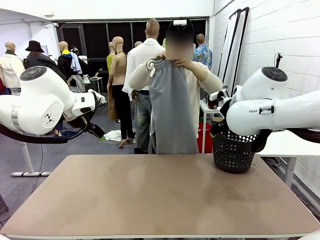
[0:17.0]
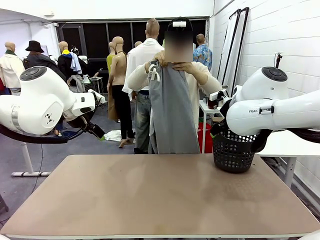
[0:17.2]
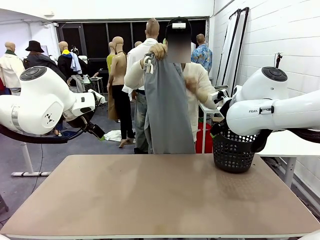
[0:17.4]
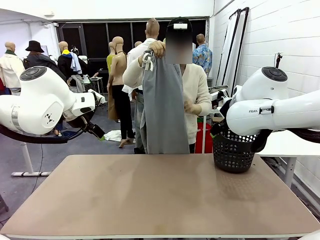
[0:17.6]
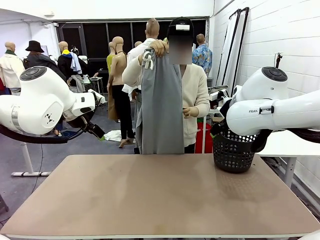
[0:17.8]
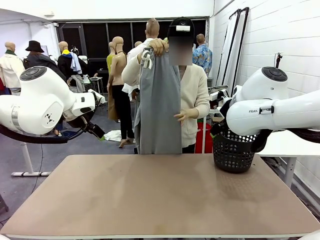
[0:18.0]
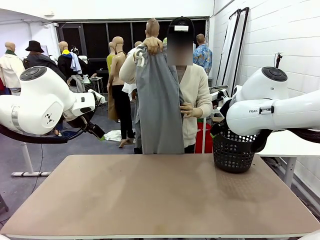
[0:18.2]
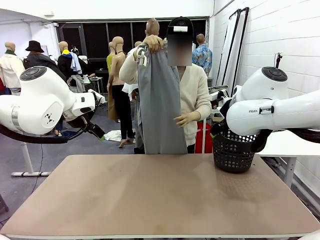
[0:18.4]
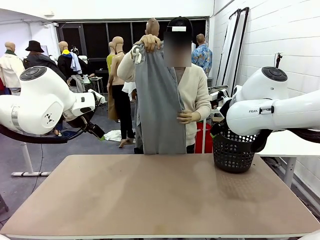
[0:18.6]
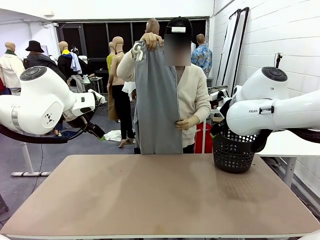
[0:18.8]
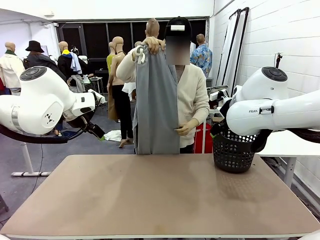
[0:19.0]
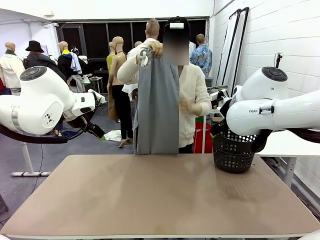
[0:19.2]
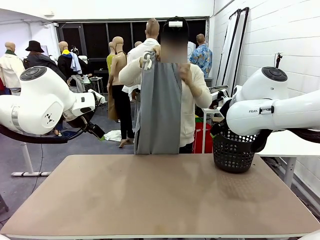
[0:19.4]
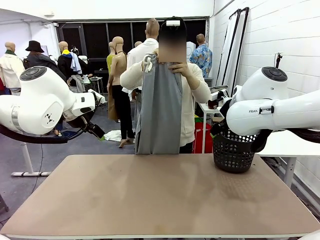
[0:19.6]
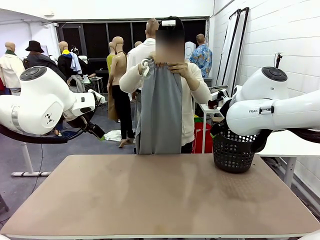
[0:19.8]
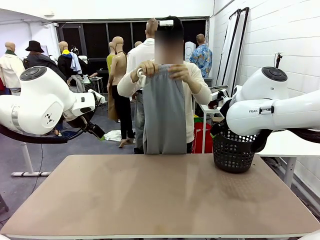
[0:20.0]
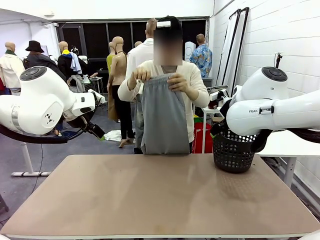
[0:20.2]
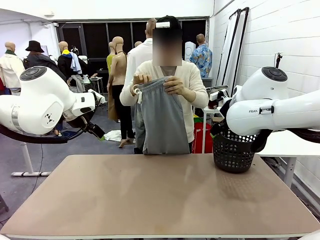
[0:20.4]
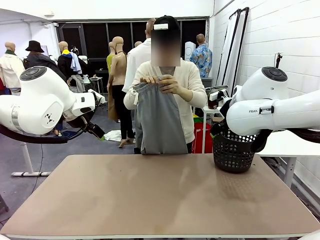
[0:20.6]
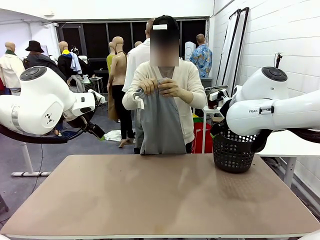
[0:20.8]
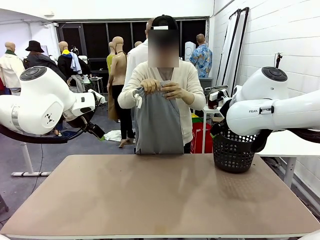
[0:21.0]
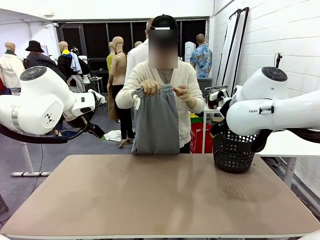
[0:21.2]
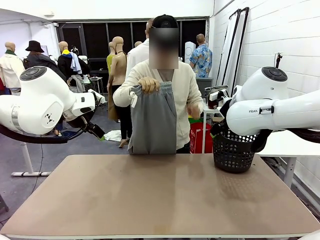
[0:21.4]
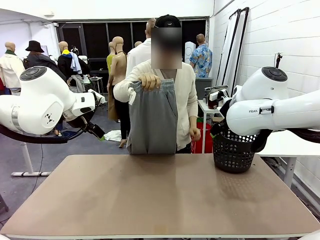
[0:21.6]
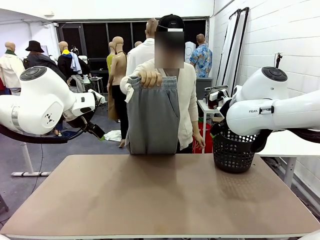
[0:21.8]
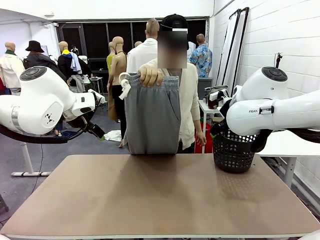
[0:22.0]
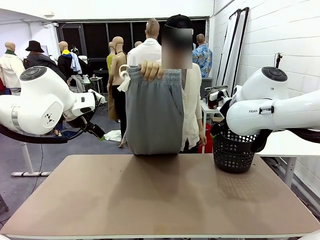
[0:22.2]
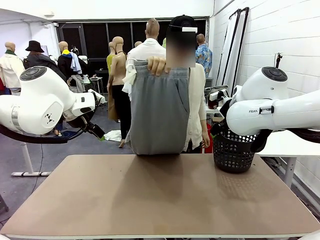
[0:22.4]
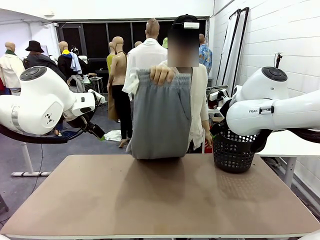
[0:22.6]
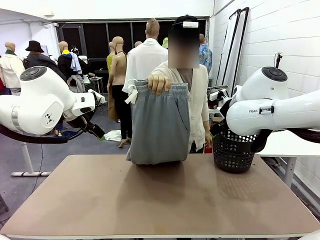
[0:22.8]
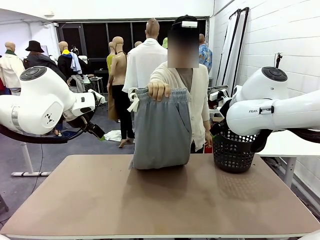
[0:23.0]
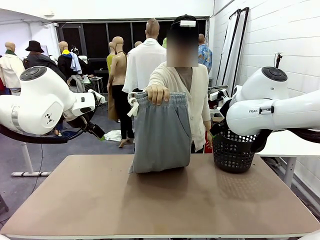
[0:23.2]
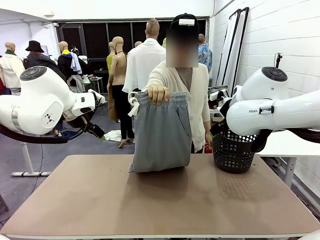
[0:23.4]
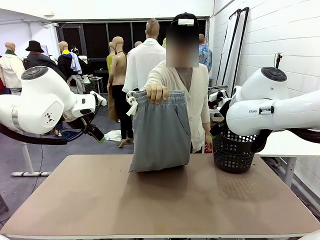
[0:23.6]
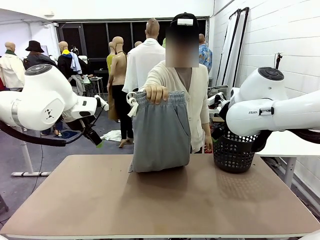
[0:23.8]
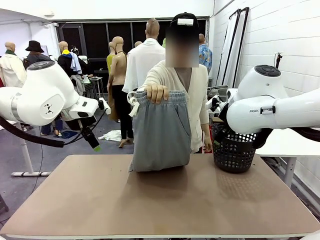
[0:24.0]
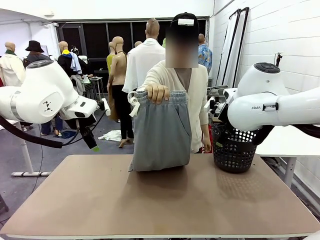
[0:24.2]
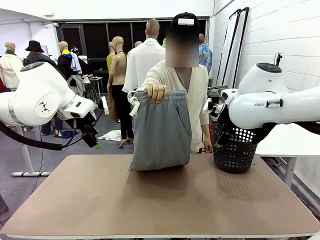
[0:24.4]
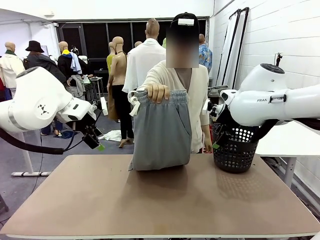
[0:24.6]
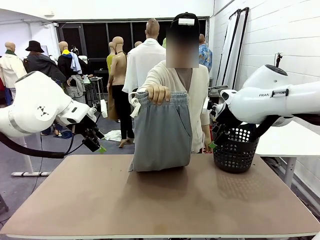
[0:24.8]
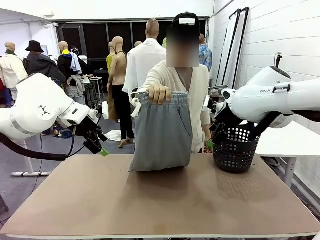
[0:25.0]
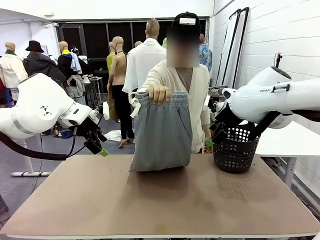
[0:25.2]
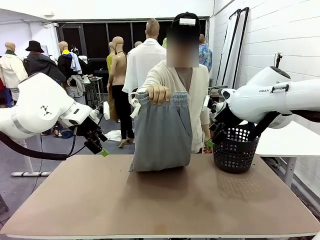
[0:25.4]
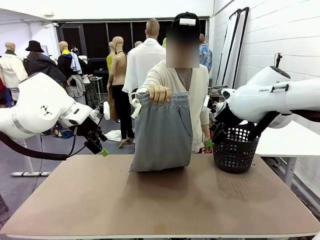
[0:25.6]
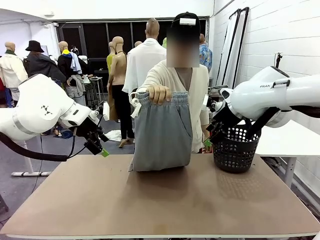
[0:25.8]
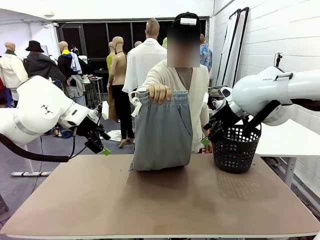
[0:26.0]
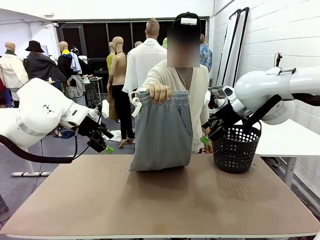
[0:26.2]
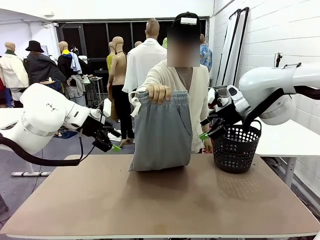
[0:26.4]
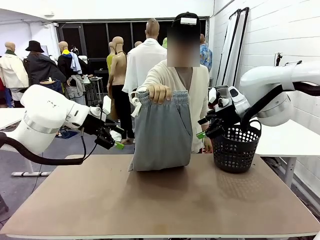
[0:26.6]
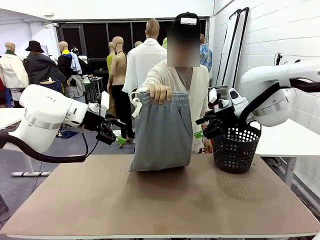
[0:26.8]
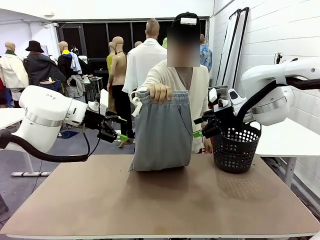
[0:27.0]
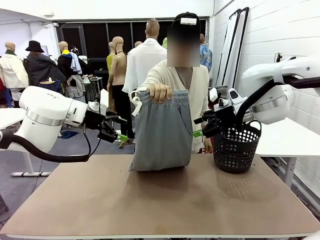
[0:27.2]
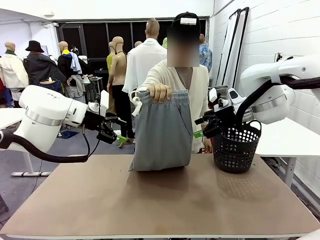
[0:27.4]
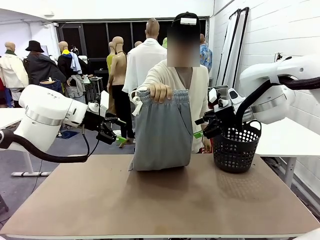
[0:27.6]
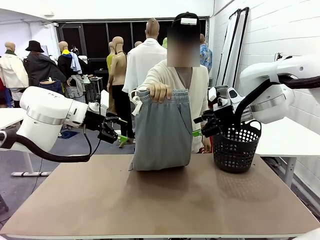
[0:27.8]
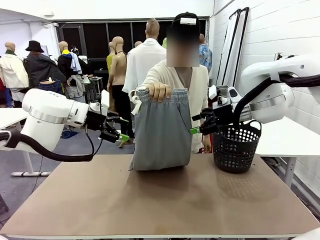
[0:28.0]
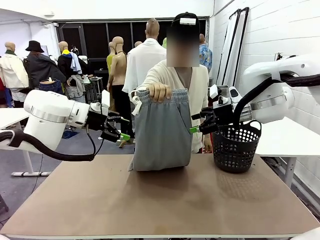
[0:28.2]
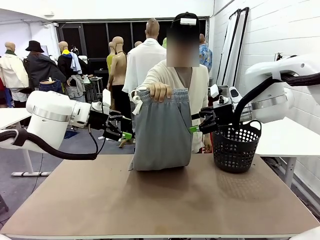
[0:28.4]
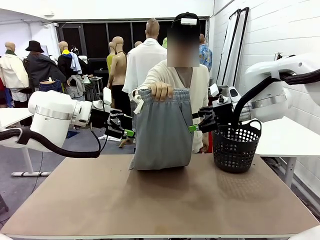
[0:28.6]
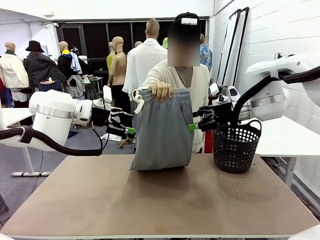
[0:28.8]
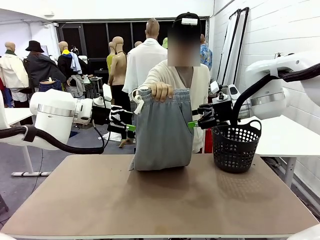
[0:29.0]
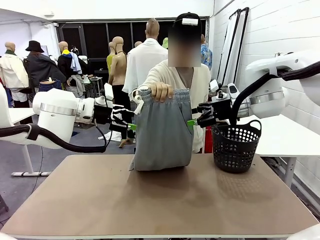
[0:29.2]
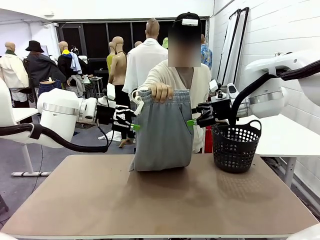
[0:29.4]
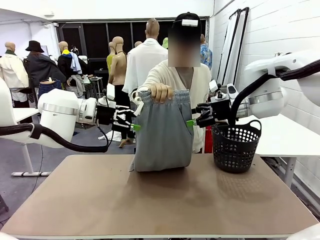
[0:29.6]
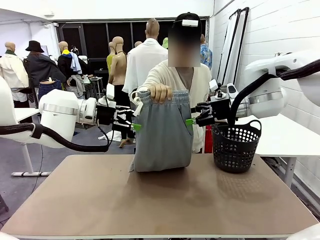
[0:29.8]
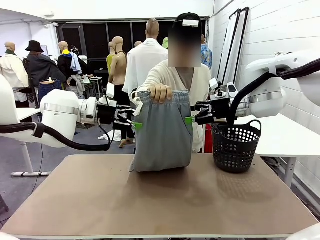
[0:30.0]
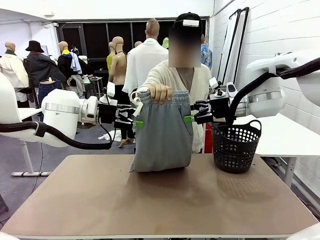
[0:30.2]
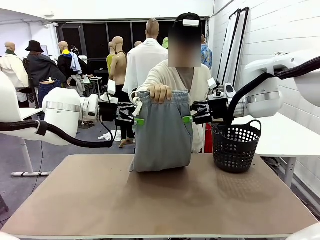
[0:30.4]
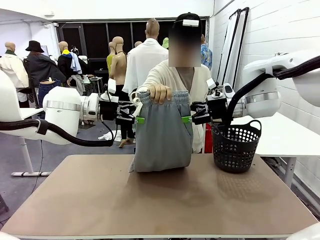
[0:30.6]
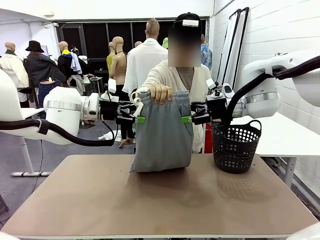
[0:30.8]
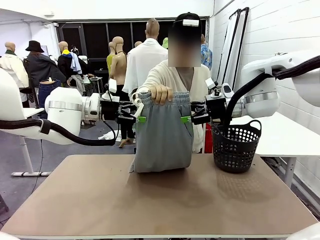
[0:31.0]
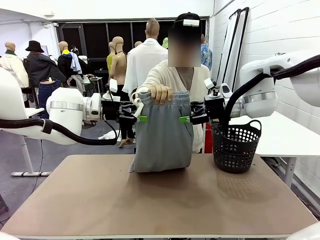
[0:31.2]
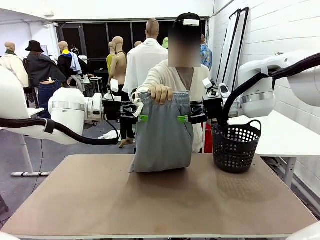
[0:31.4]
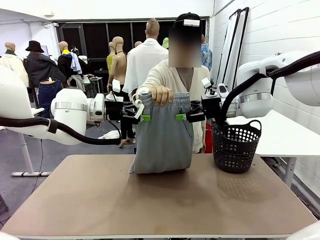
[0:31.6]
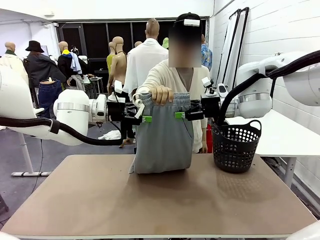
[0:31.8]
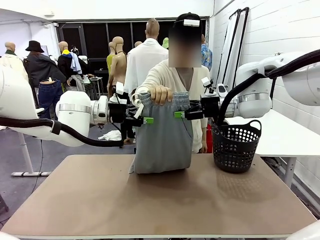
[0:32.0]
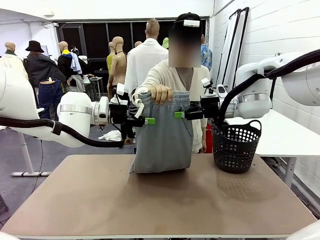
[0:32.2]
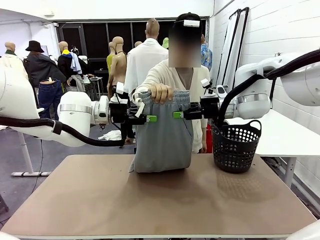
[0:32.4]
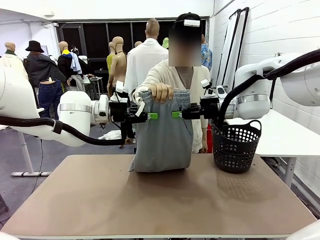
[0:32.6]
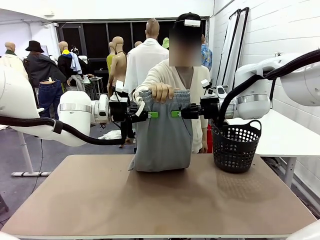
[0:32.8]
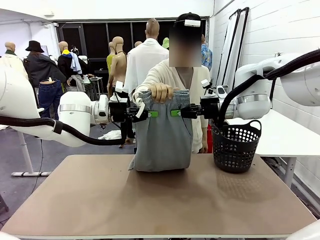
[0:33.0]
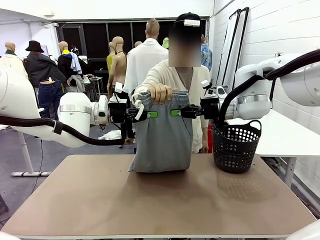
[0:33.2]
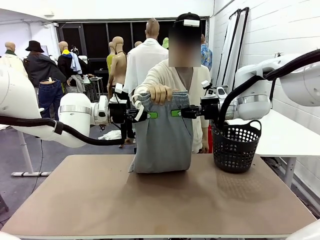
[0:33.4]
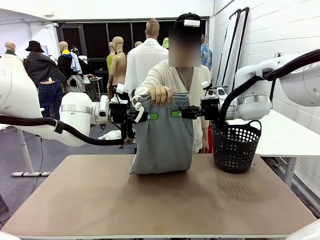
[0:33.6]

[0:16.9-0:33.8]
Task: Fold the training pants.
Robot: Grab both ends of the Training pants handed by a person.
